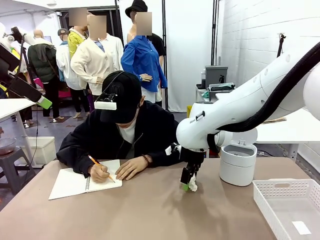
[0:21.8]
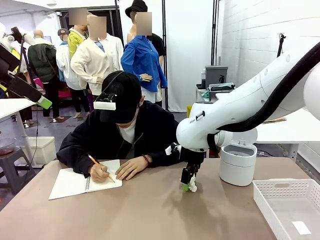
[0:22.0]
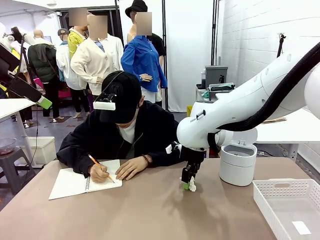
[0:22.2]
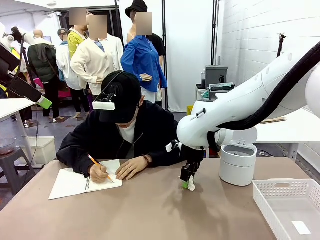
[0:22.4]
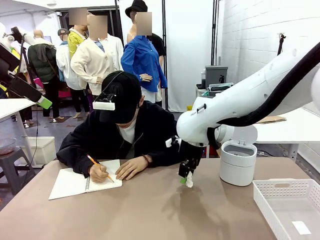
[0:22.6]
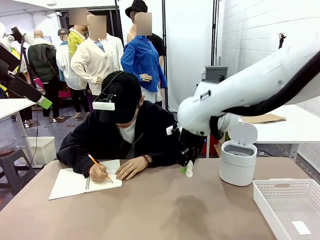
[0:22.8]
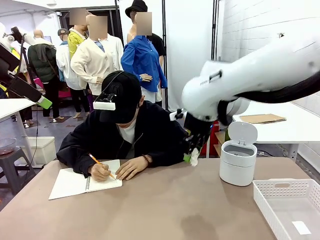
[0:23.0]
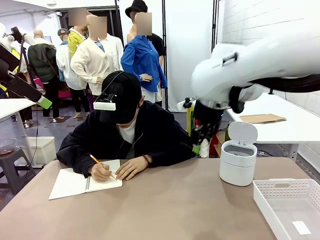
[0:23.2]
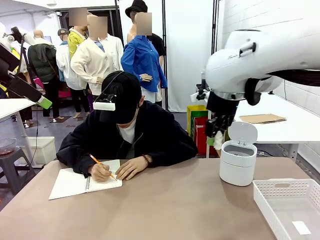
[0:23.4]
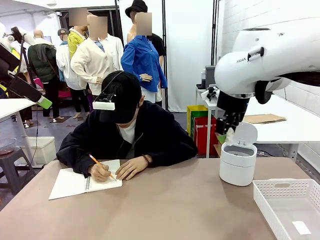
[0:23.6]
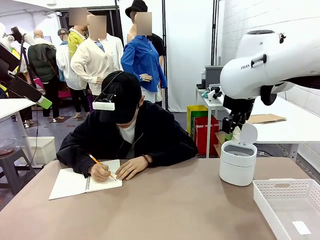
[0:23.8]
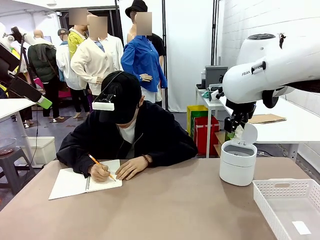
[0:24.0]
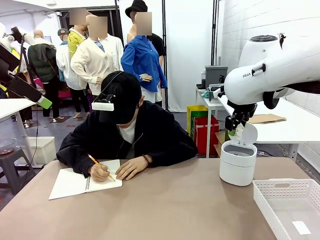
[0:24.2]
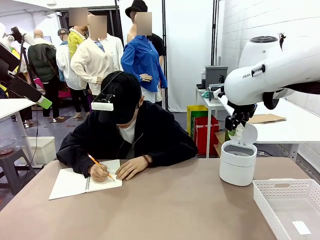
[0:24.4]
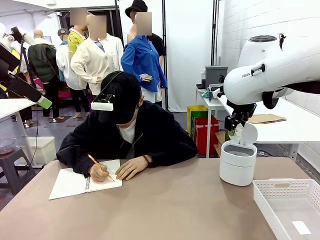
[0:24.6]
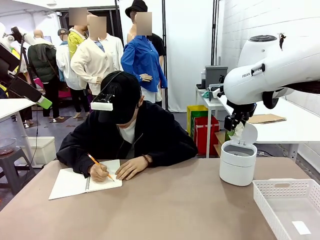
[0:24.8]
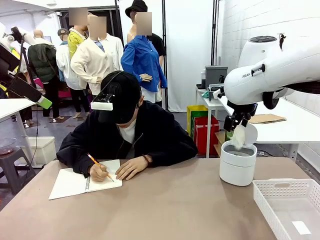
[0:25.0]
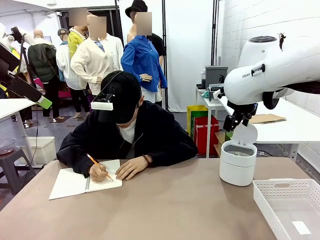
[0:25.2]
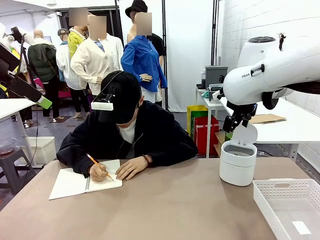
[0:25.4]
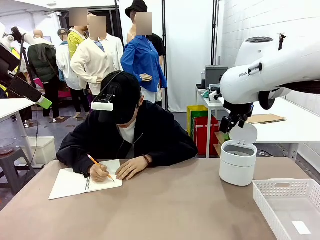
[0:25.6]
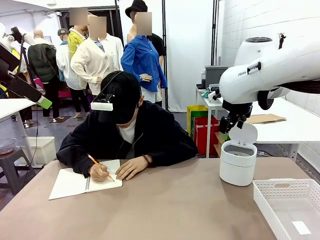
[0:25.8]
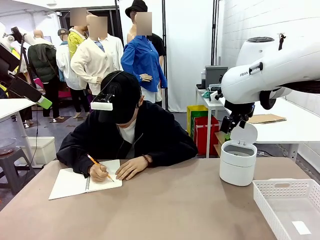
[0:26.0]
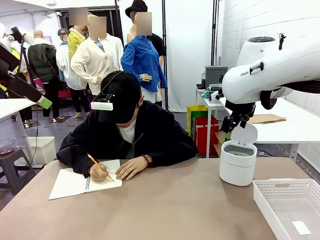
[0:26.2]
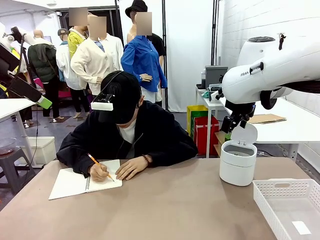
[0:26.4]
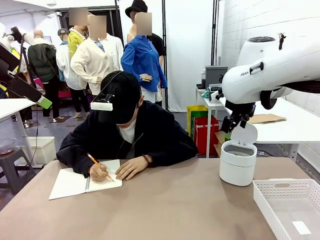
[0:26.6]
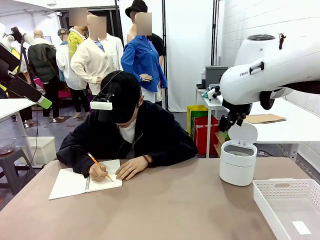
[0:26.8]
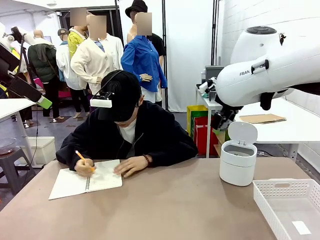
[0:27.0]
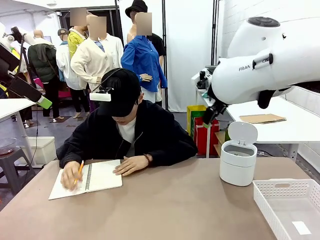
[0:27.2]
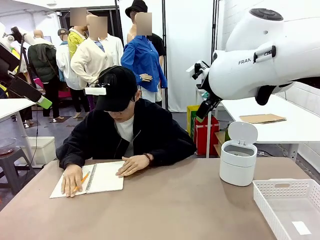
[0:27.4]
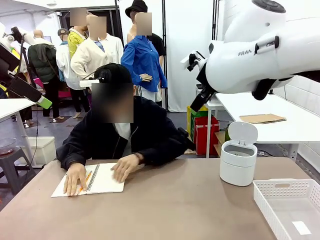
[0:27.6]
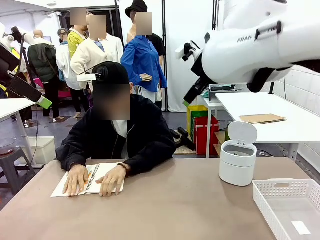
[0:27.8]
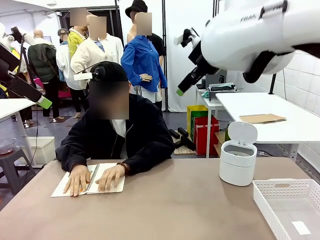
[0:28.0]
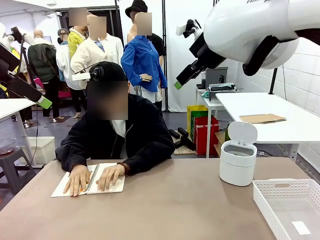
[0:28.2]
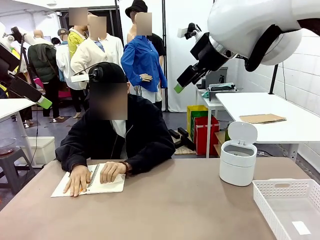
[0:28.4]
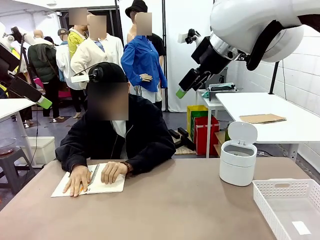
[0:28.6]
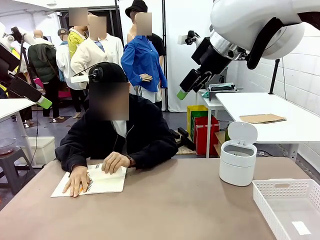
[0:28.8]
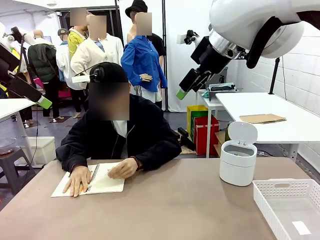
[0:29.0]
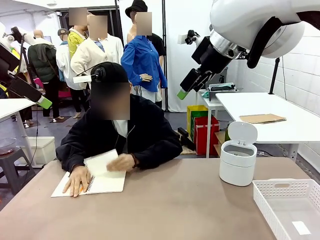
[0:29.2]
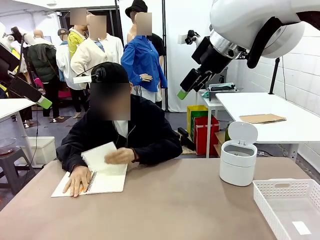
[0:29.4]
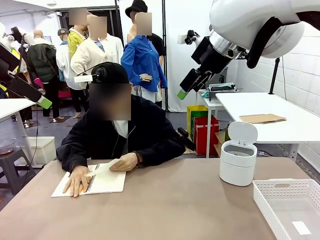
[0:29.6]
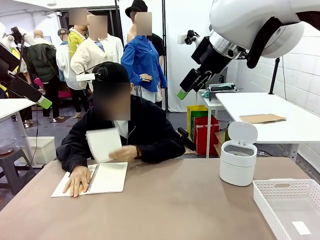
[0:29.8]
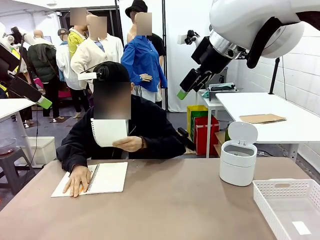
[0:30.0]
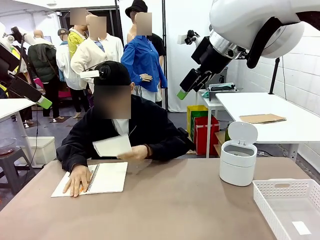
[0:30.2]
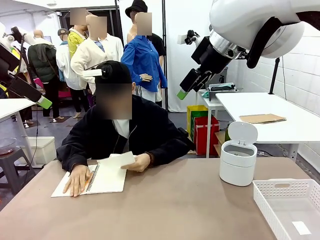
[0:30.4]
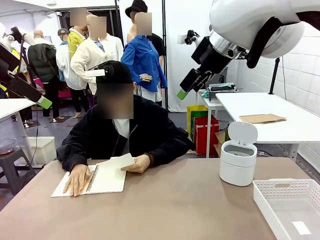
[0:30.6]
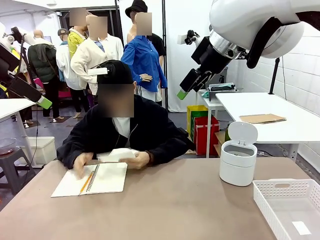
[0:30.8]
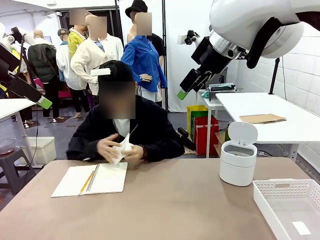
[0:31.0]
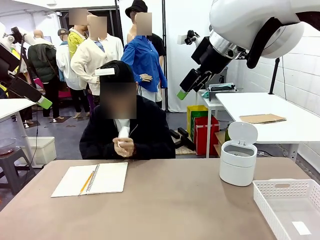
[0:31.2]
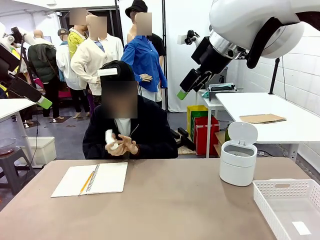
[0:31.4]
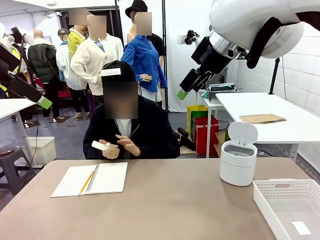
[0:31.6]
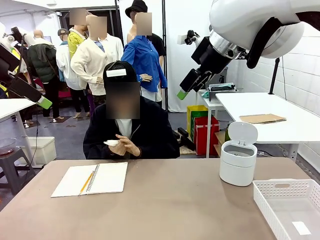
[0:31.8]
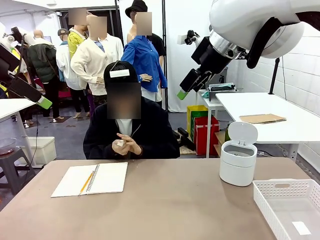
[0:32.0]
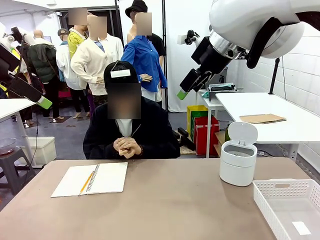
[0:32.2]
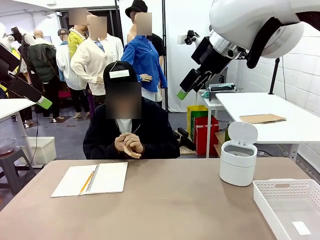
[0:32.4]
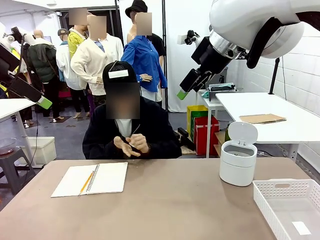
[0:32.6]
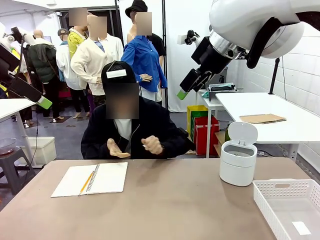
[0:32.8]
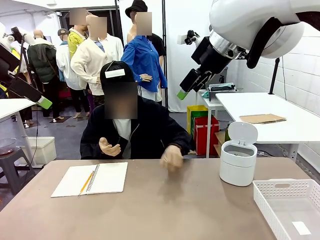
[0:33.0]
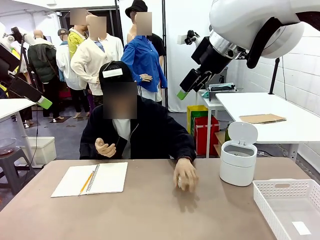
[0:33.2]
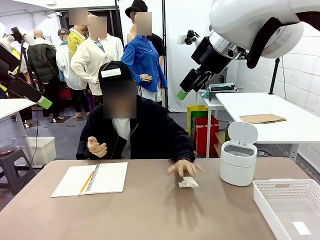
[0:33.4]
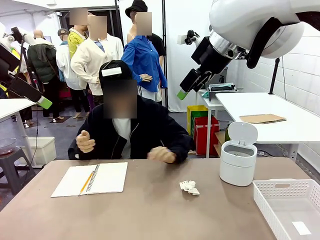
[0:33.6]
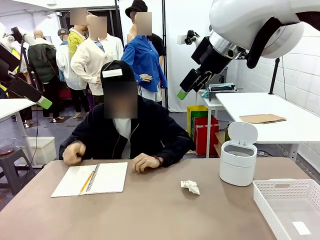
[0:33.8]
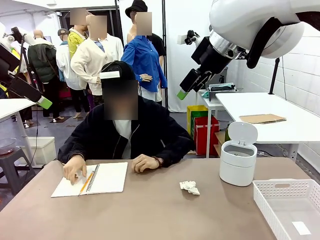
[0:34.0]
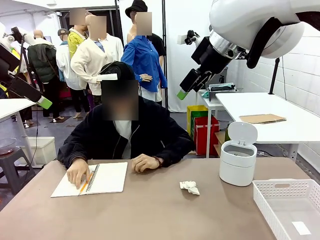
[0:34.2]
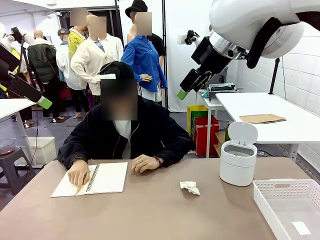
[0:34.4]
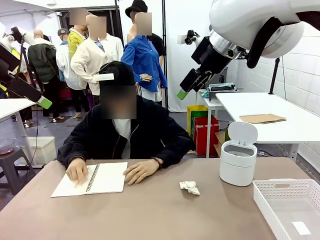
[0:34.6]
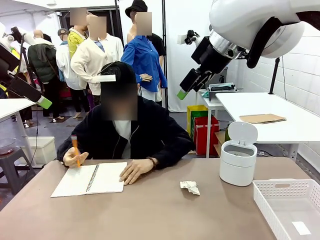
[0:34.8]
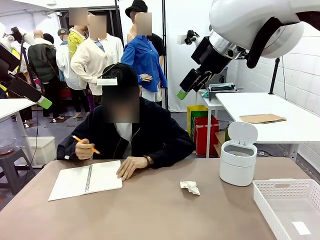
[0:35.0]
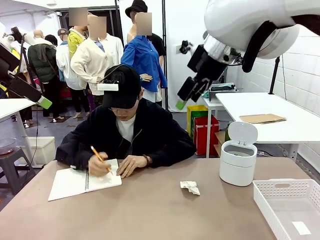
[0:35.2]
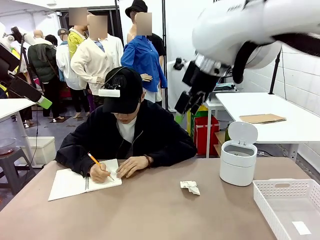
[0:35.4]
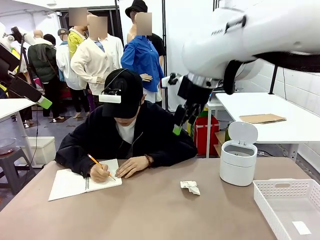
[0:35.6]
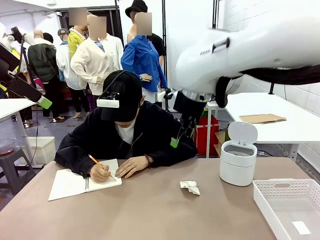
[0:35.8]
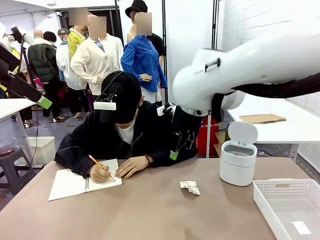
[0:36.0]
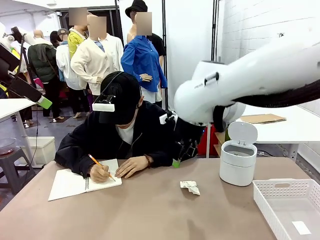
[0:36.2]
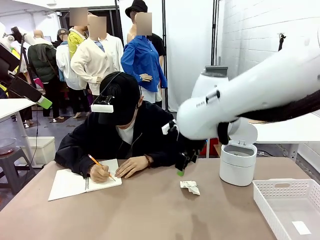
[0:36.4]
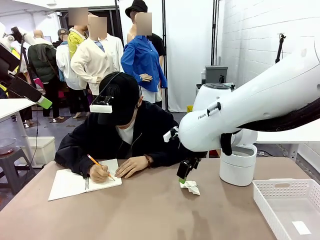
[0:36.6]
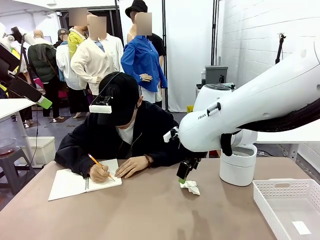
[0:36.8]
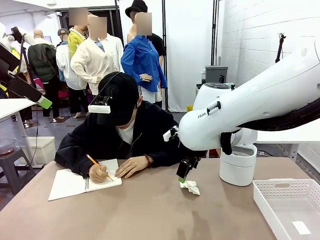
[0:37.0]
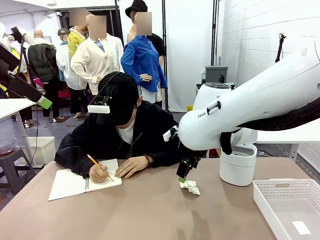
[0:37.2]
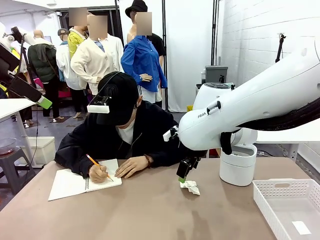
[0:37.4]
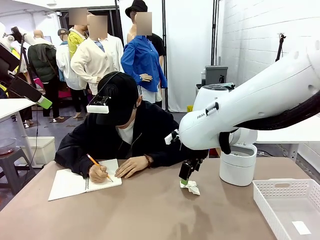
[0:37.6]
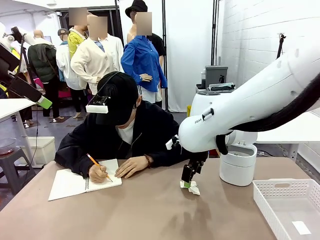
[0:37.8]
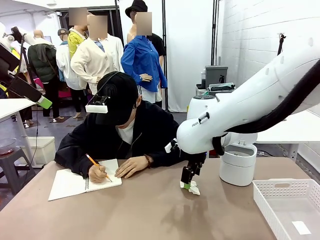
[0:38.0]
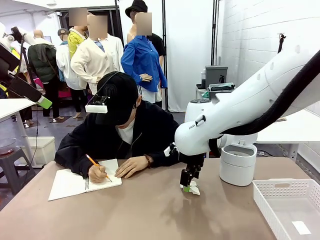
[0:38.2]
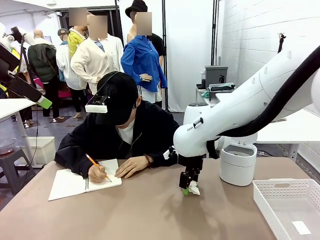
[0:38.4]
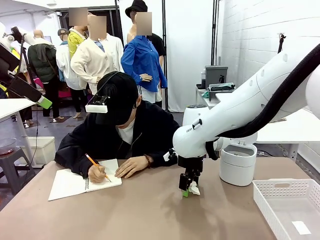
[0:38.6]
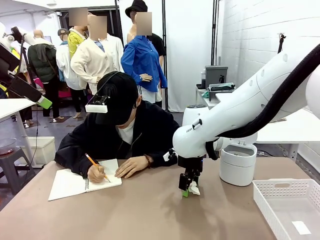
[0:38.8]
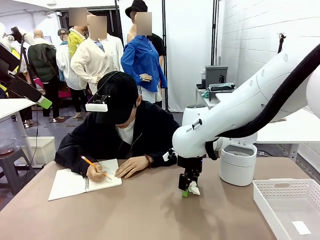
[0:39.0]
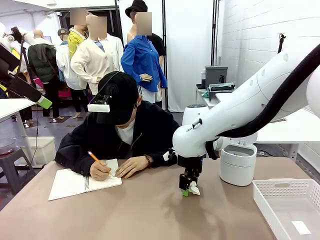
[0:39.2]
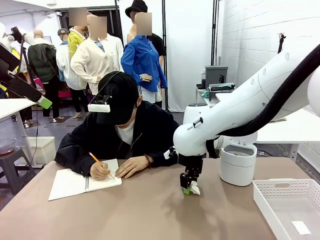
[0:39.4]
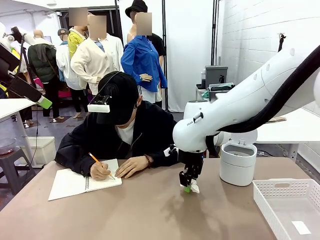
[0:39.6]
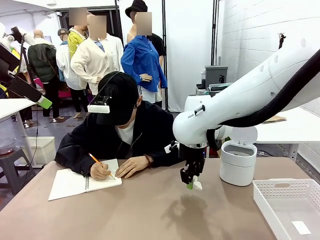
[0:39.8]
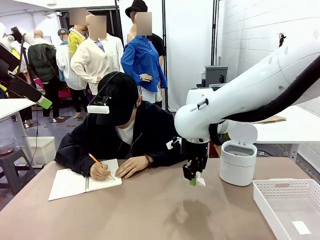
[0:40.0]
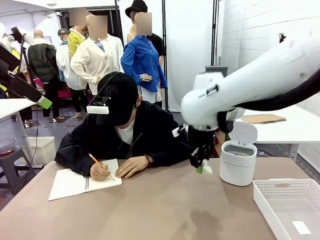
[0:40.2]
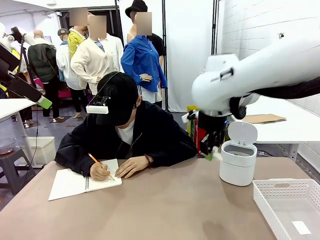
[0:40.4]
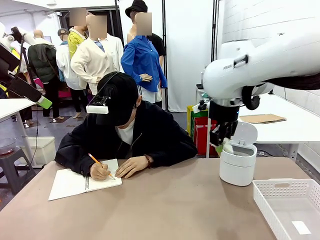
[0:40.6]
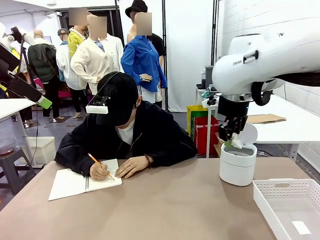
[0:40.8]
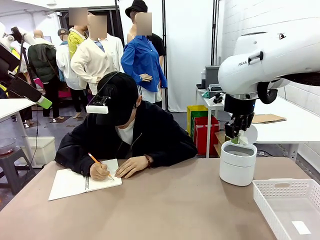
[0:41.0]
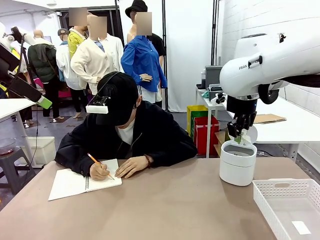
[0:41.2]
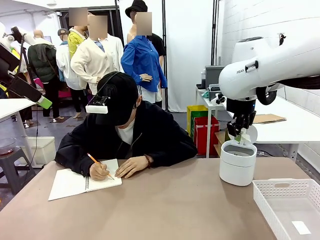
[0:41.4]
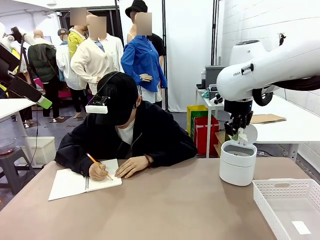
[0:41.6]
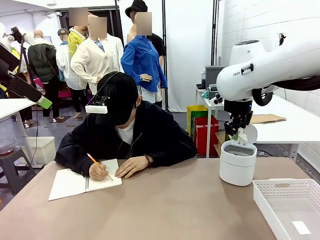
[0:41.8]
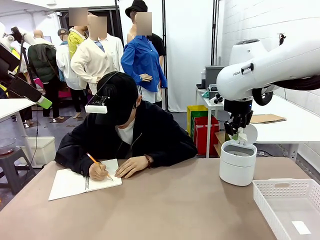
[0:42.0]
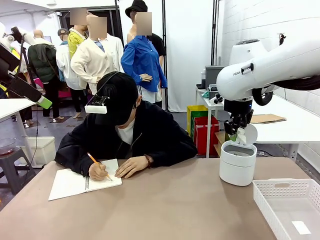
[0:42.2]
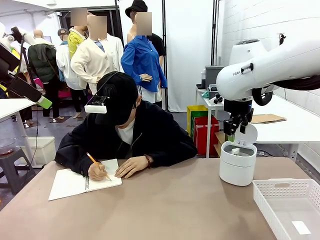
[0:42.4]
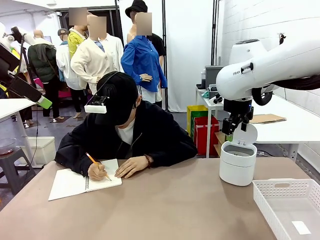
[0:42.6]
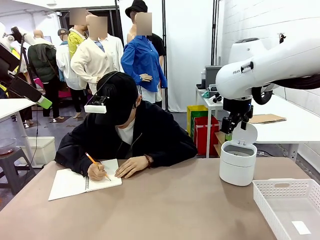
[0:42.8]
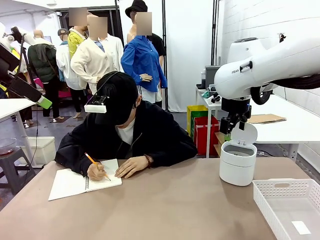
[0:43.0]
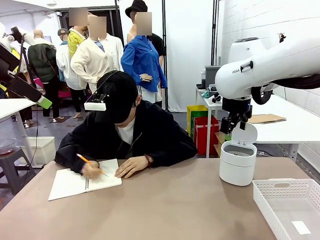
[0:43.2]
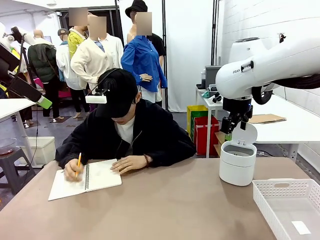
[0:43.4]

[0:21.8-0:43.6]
Task: Sort the paper based on its condition.
Robot: If a person hands you a paper, place it in the Organizing basket , and if it's crumpled, put it in the Trash can.
Person: Tear out a page from the spiral notebook. Hand the torn page to the robot or crumple it and throw it to the center of the table. Tear out a page from the spiral notebook.
